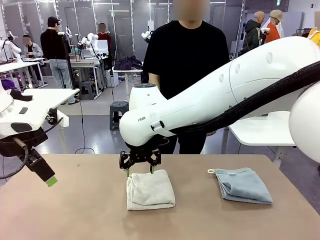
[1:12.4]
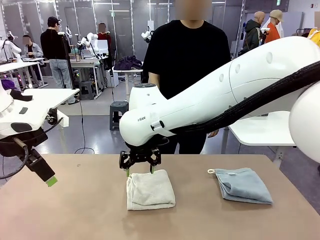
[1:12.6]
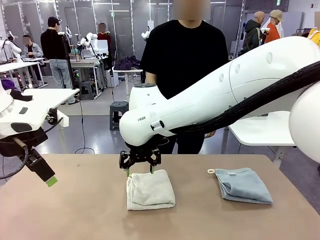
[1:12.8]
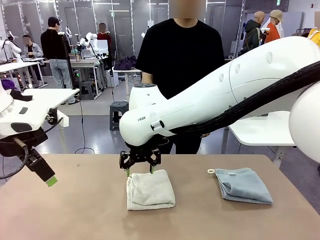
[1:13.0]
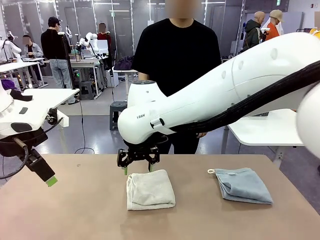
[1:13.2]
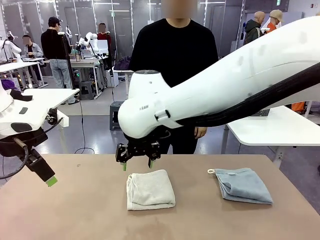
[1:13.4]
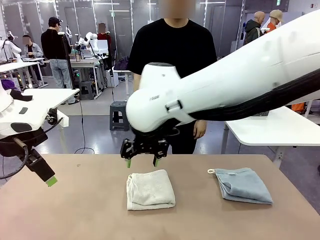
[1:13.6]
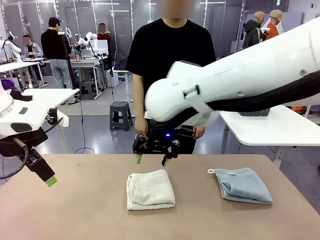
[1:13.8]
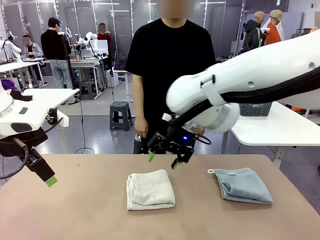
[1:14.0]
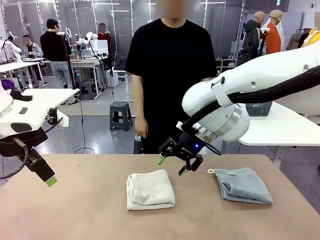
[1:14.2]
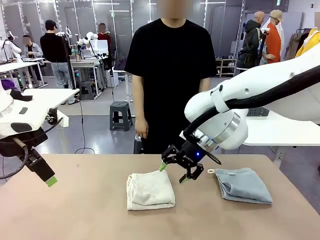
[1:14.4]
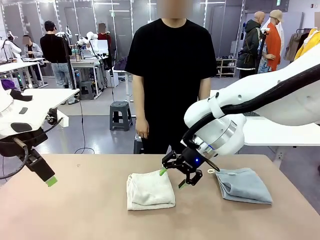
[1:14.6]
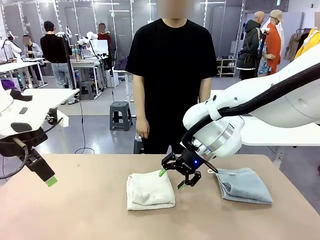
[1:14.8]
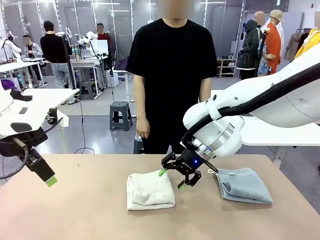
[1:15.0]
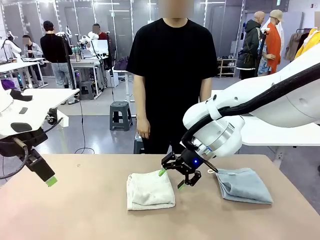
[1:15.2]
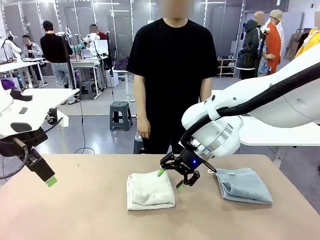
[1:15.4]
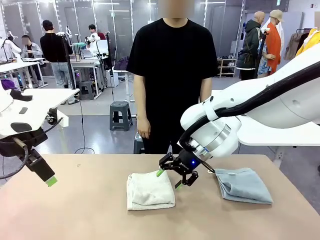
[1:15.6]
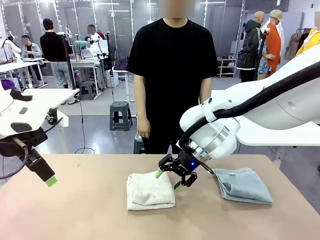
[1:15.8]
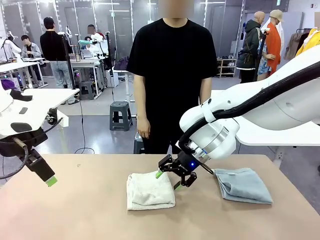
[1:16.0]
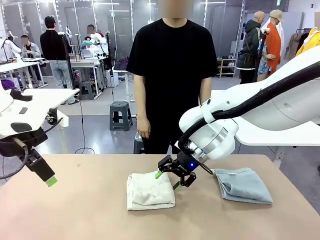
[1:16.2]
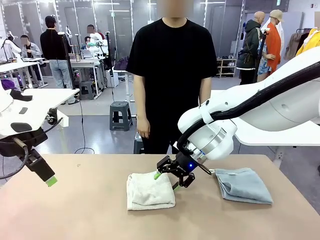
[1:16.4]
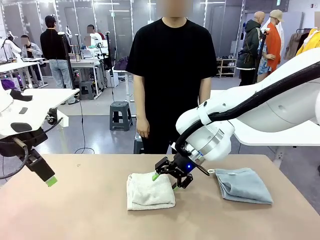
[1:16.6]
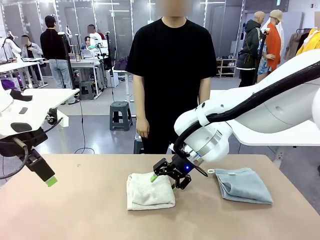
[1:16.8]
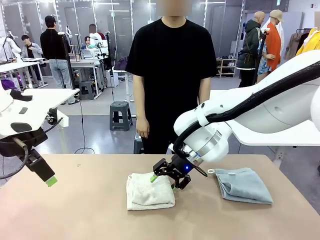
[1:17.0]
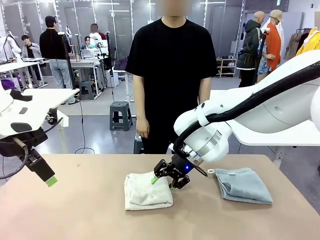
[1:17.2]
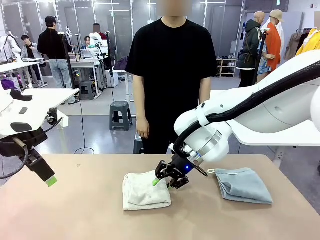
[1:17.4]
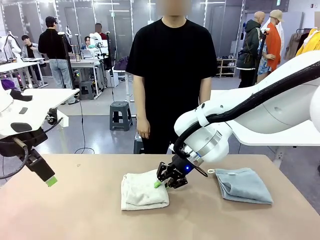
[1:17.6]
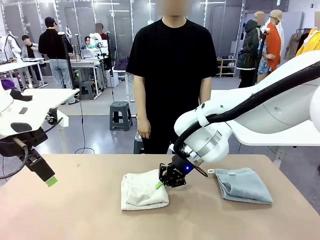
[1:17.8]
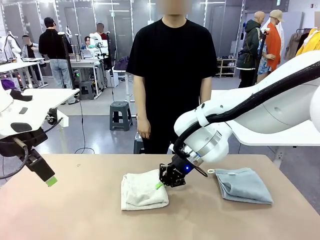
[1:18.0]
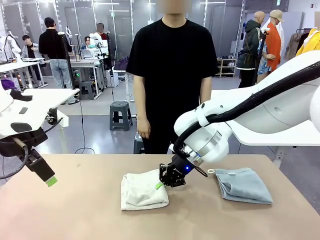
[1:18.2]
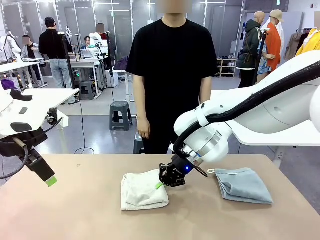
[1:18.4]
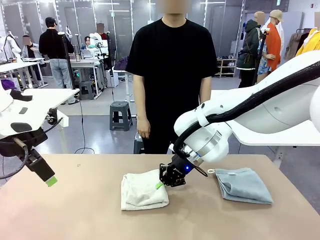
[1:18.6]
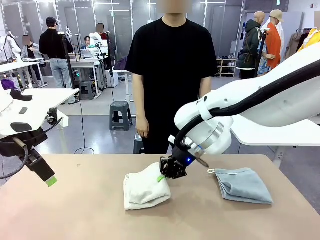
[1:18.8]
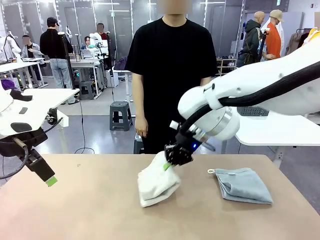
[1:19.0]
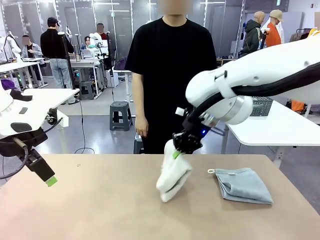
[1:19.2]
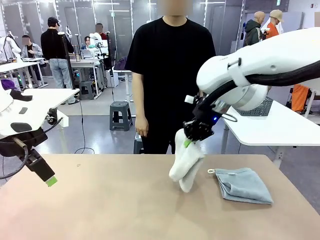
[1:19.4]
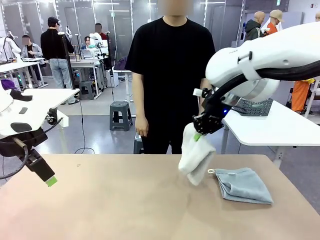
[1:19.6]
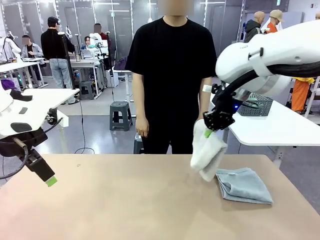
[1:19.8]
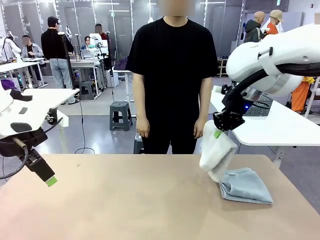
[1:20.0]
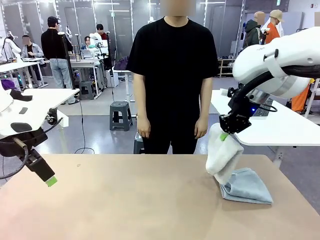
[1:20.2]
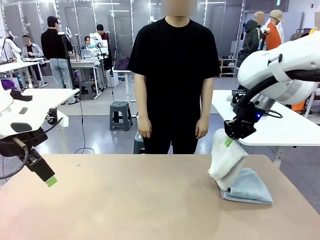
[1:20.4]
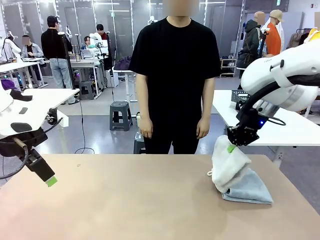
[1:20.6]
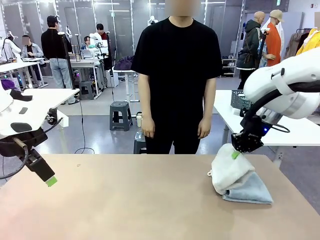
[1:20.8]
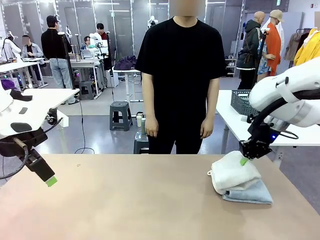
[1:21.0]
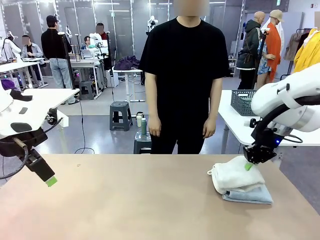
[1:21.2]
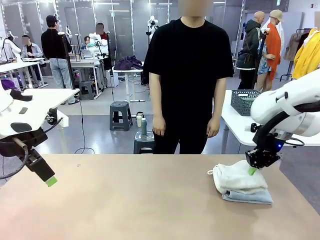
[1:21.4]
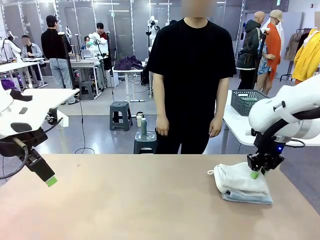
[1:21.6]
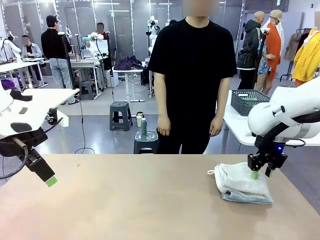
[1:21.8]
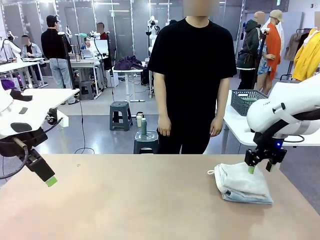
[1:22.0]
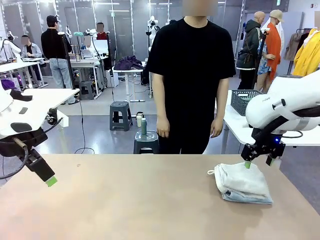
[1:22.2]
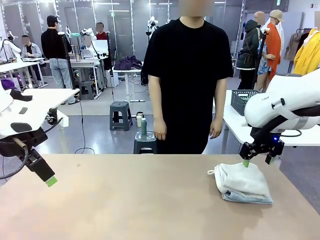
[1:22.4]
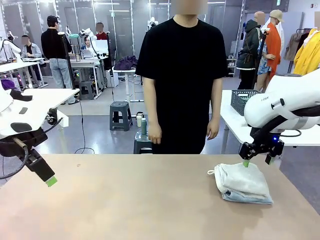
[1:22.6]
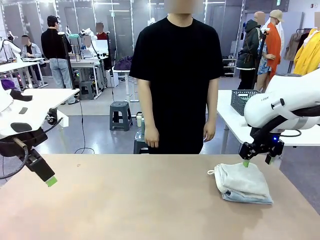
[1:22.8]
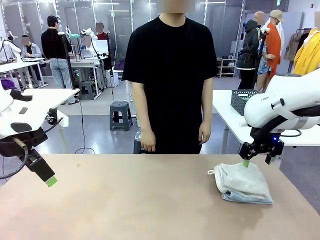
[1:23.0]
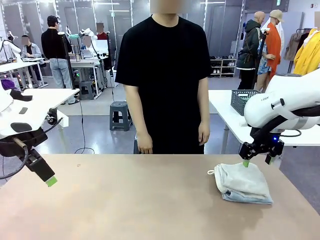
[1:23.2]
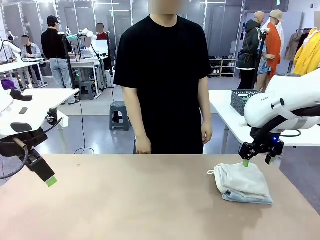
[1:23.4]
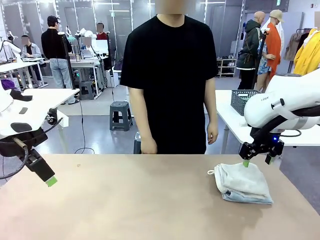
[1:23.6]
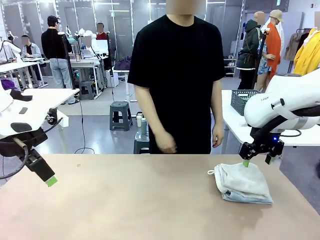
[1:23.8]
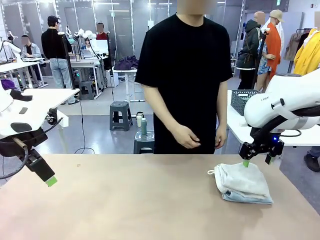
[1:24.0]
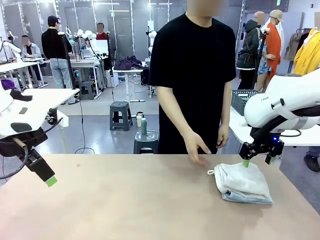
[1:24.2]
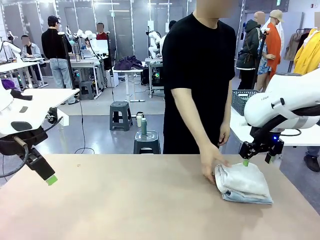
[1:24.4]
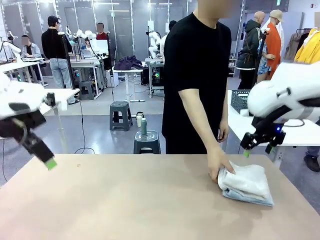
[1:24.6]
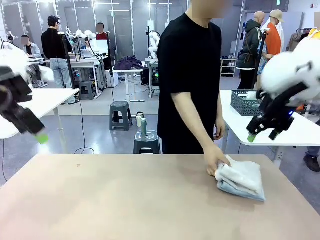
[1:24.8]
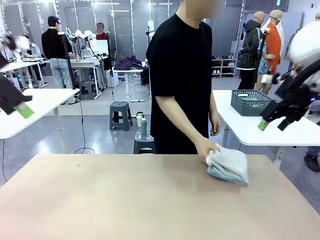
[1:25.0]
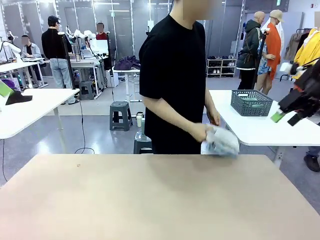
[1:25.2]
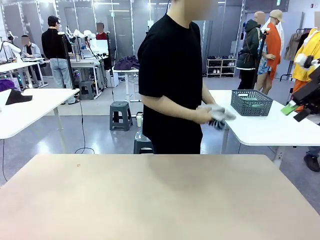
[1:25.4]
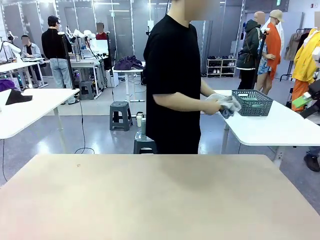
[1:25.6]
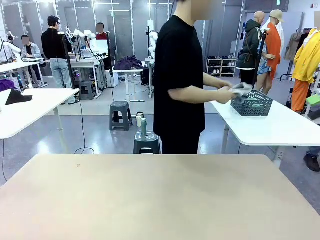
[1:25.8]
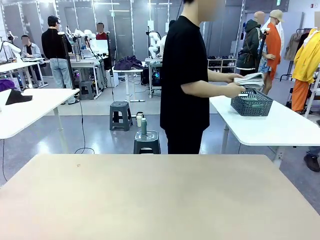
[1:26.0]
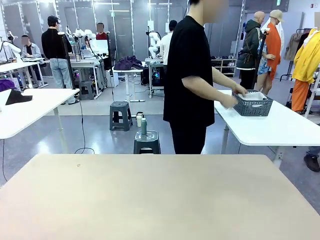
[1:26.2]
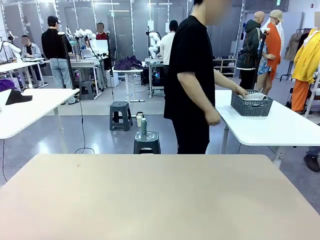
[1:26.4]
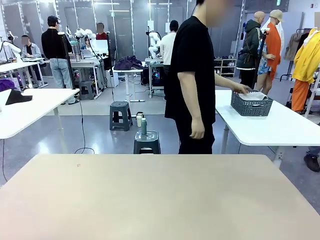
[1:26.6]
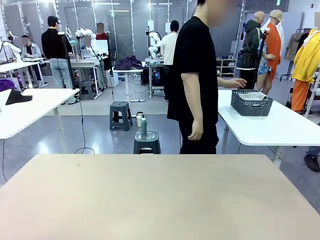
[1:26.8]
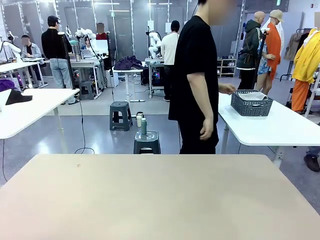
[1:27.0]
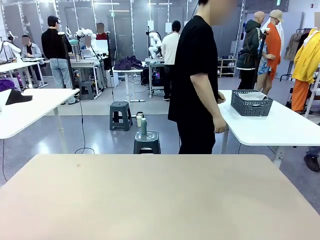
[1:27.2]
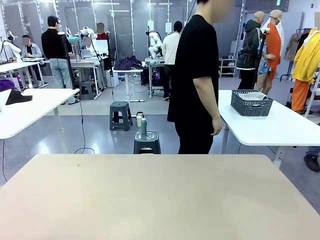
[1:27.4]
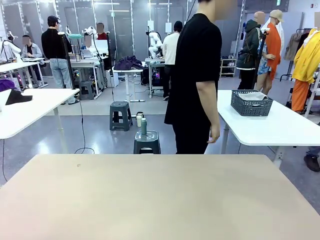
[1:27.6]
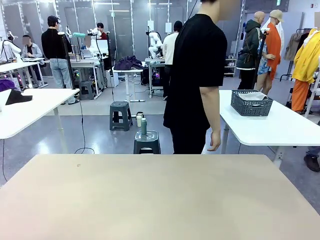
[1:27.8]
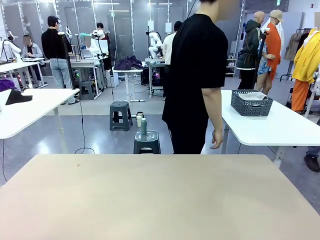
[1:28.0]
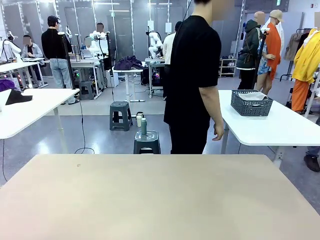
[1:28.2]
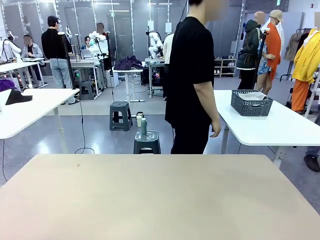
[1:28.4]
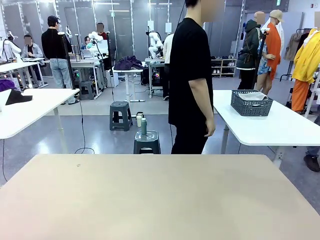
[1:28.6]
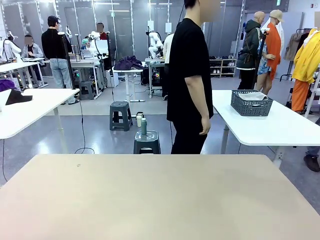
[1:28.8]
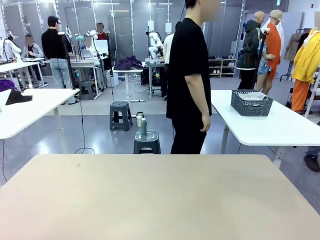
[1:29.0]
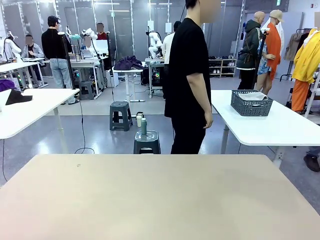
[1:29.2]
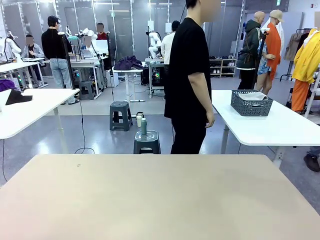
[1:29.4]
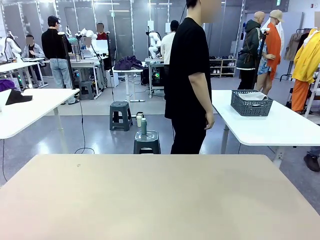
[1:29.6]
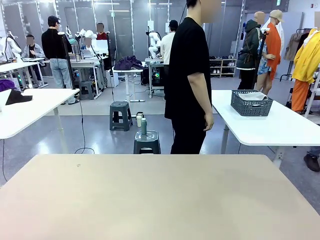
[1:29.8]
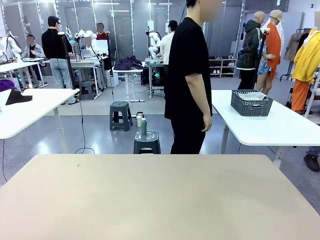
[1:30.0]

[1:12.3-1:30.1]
Task: Fold the towels and place them in the basket.
Robot: Stack the folded Towel with hook on the right side of the table.
Person: Pick up the stack of towels from the robot table and place it into the basket.
